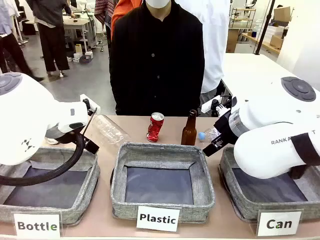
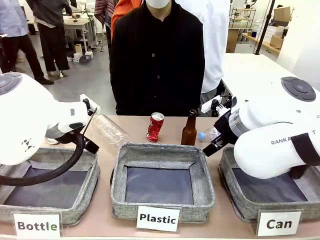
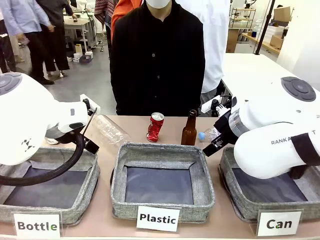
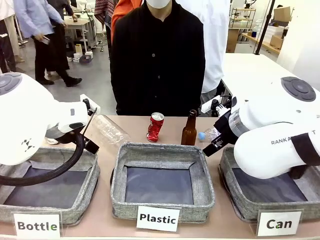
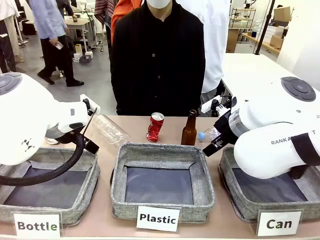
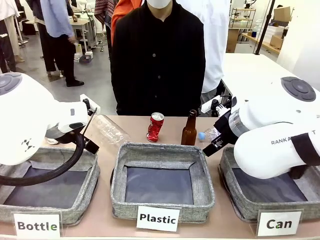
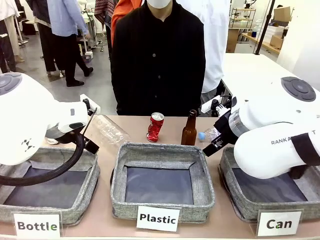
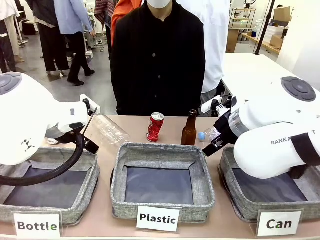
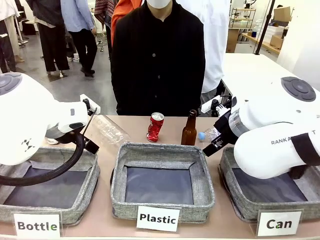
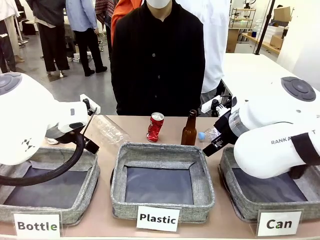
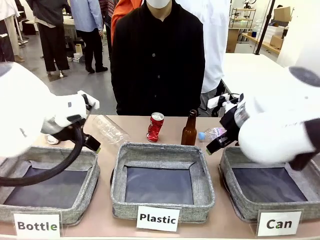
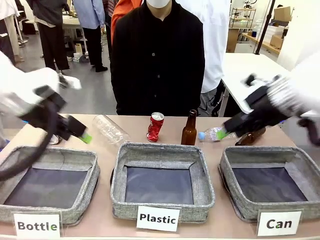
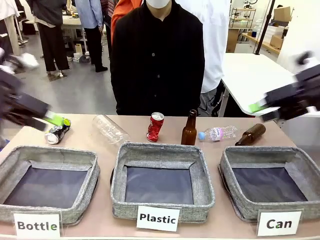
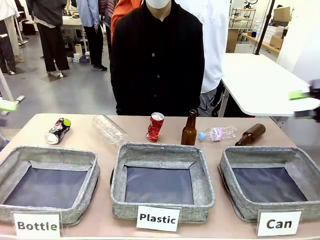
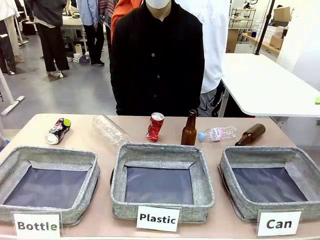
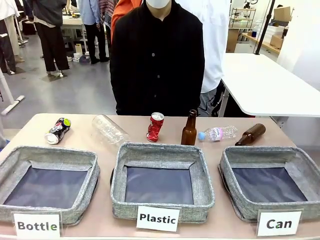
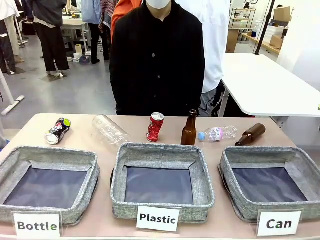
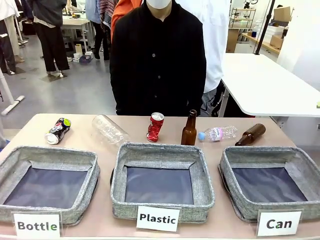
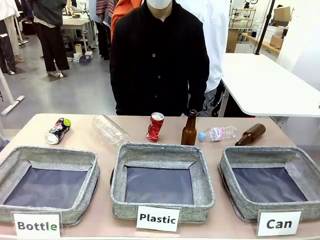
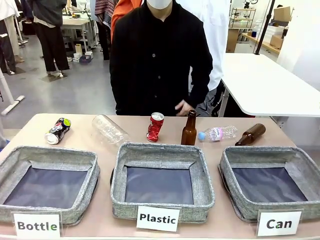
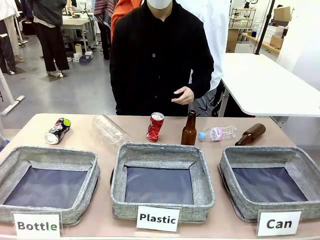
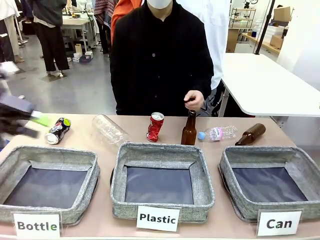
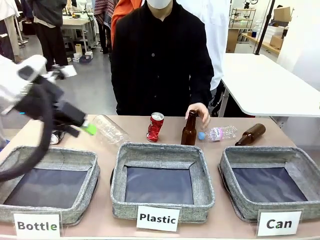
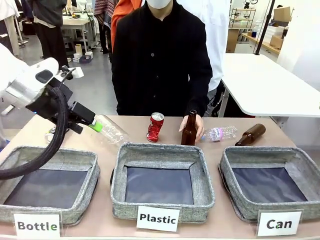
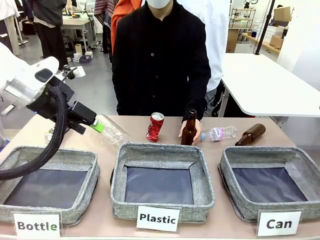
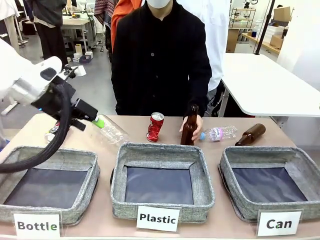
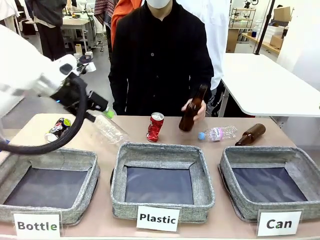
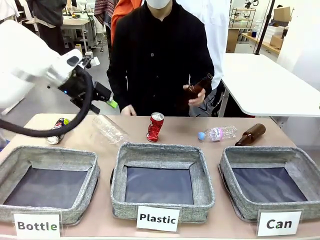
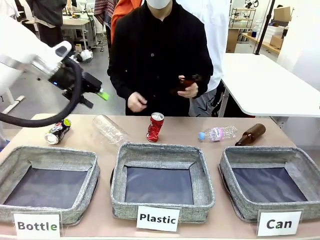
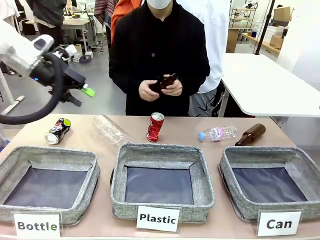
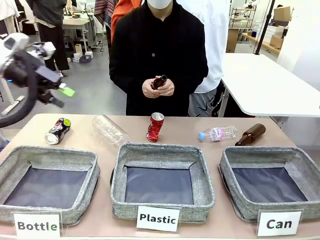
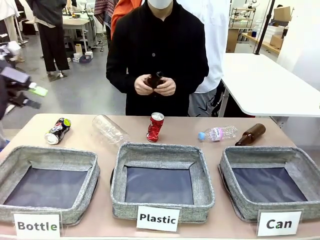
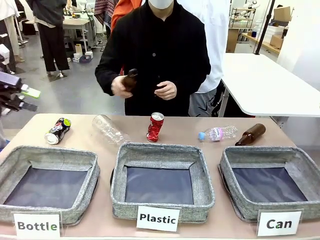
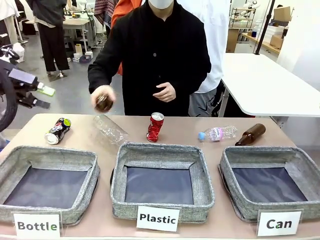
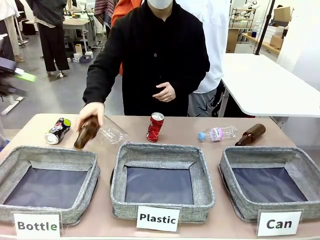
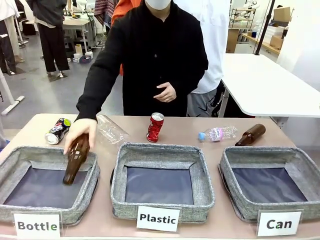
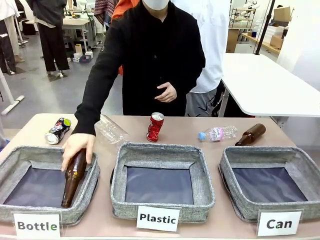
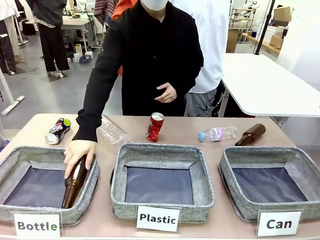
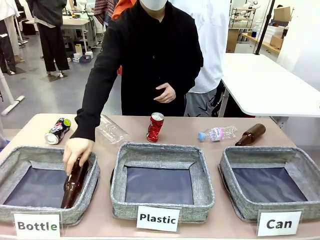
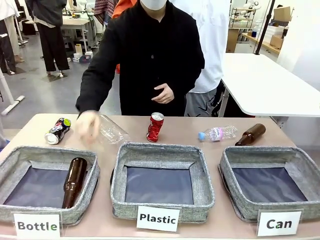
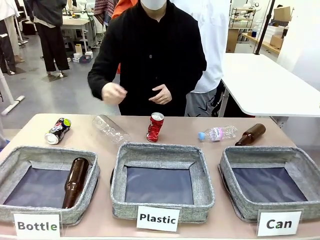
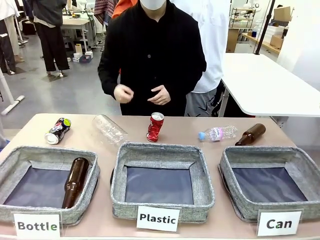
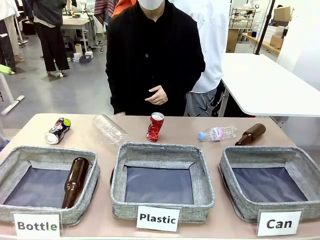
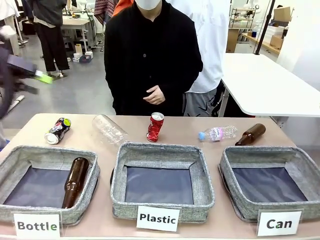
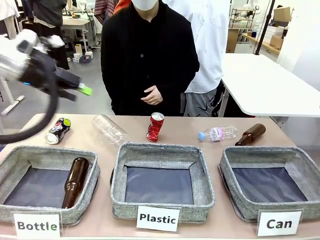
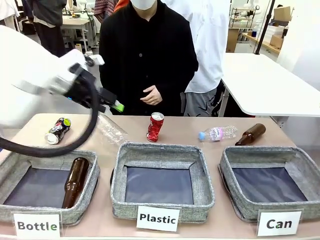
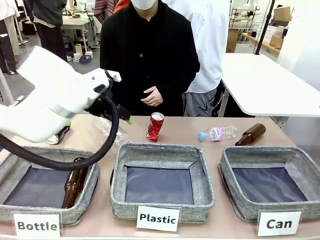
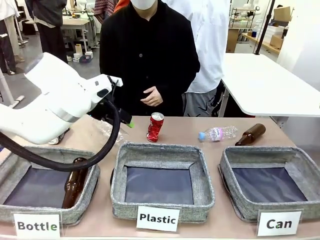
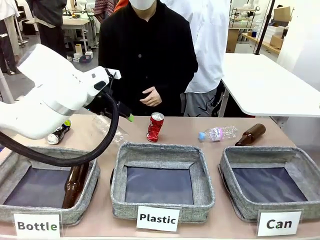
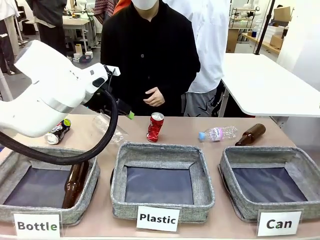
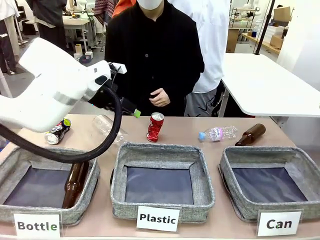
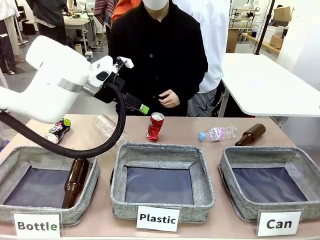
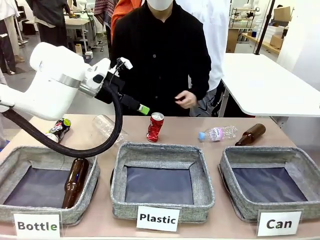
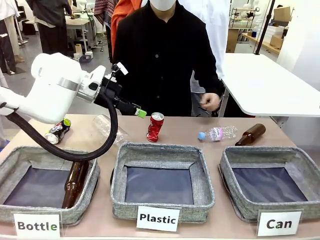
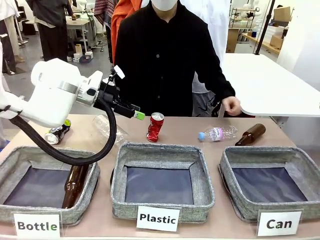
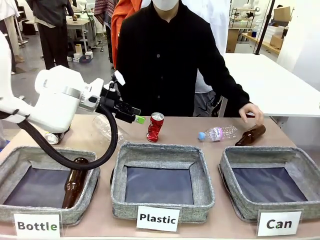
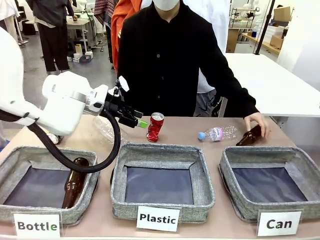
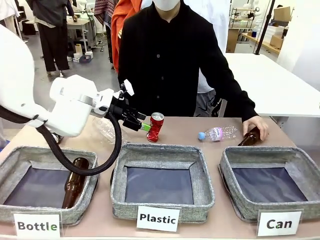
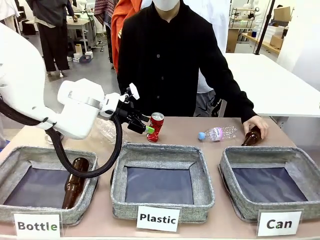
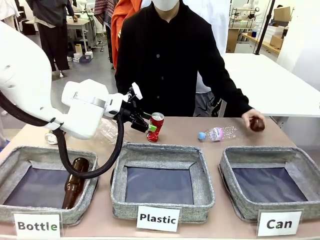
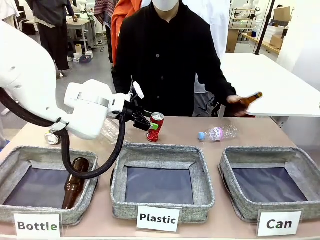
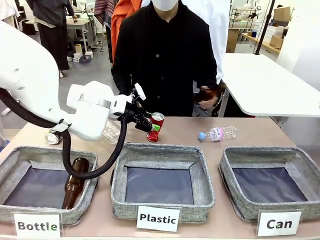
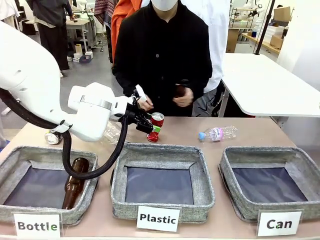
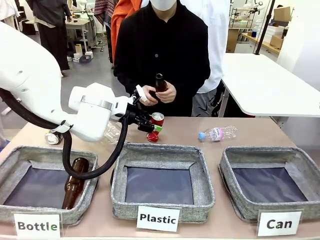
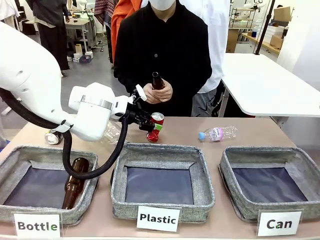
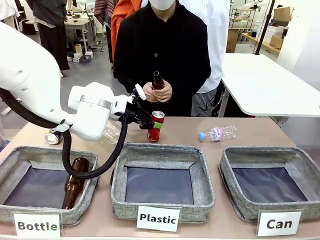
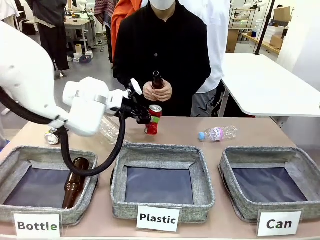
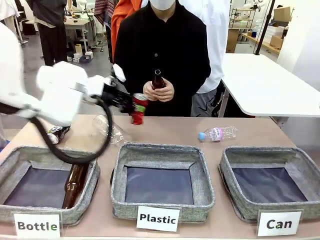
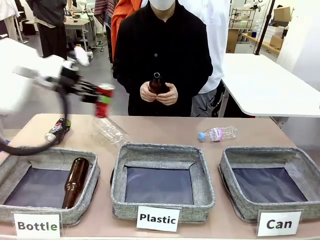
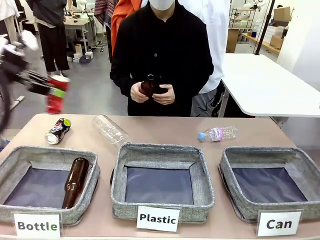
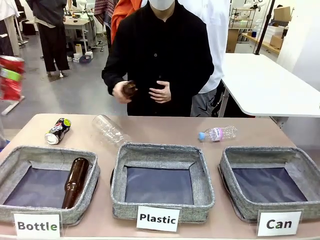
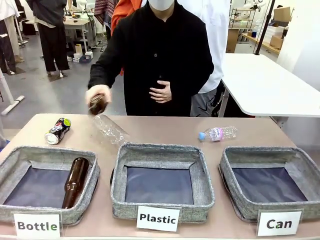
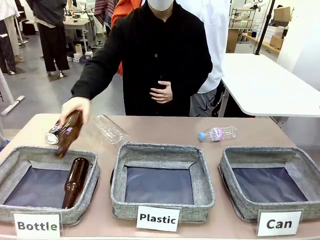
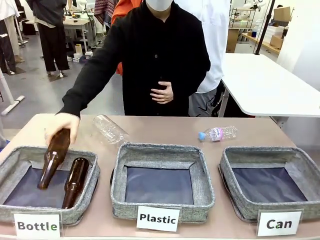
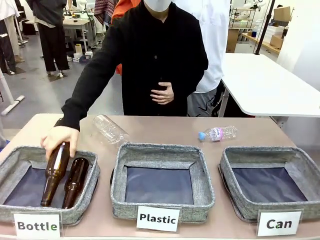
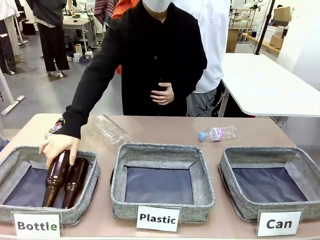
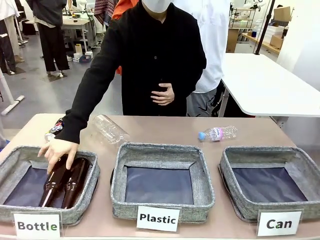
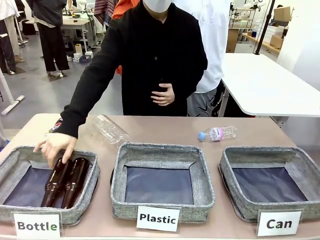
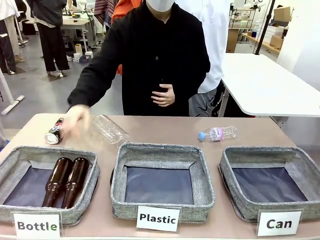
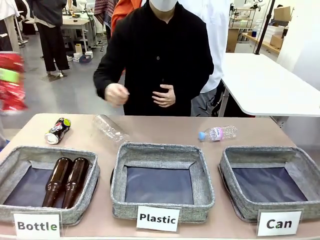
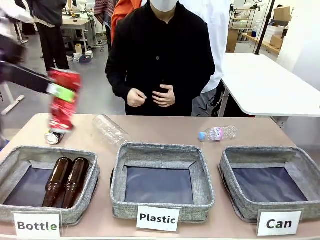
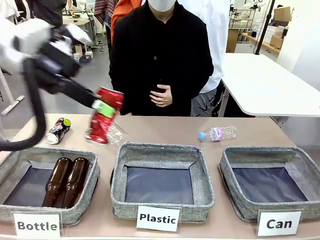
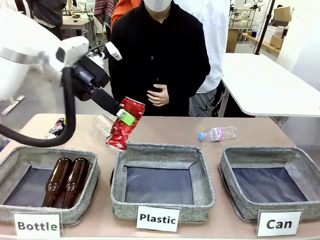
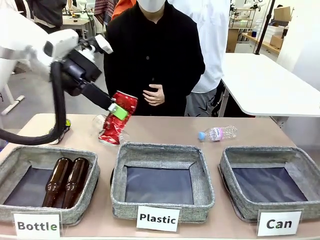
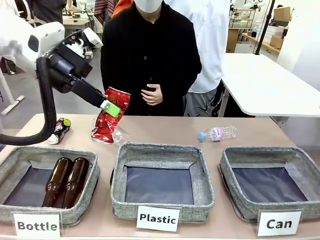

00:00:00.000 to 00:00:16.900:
Task: Sort the can waste into the basket.
Robot: Pick up the can waste from the table and place it in the right Fabric basket.
